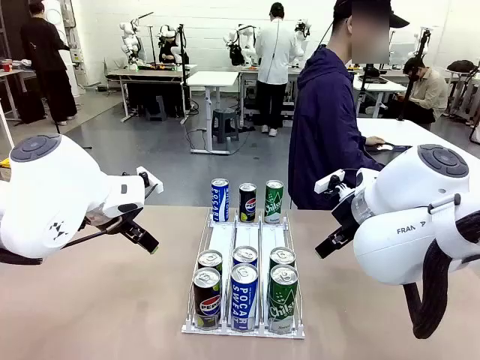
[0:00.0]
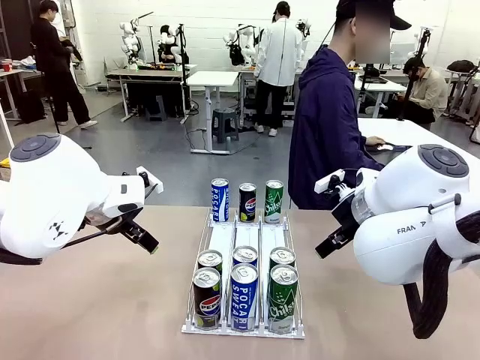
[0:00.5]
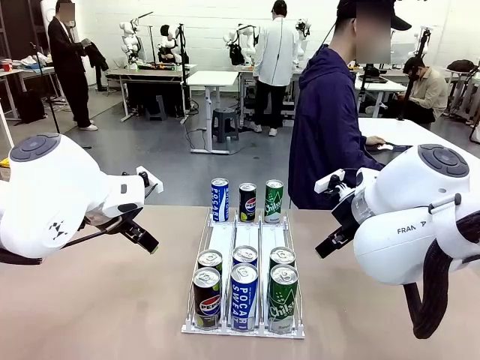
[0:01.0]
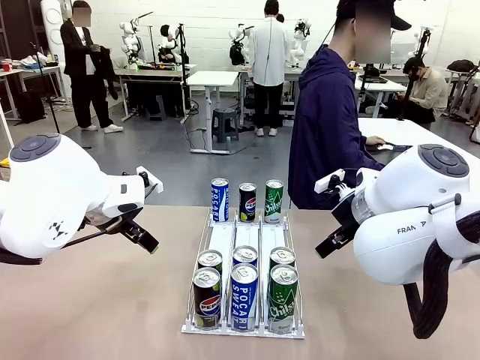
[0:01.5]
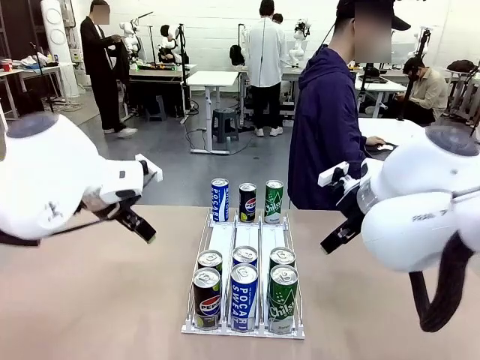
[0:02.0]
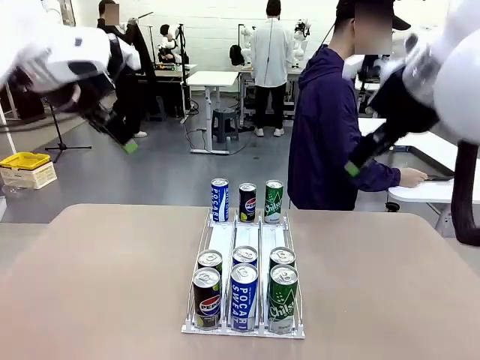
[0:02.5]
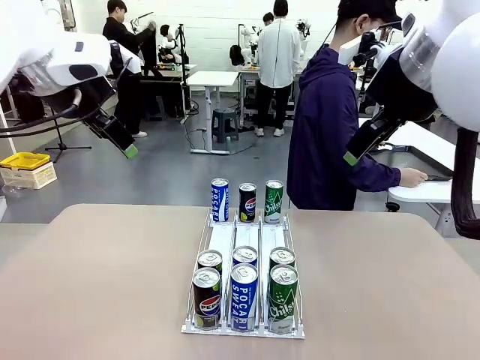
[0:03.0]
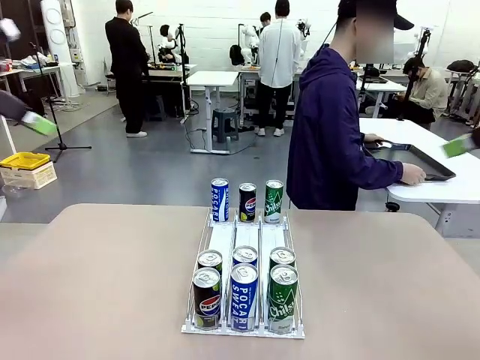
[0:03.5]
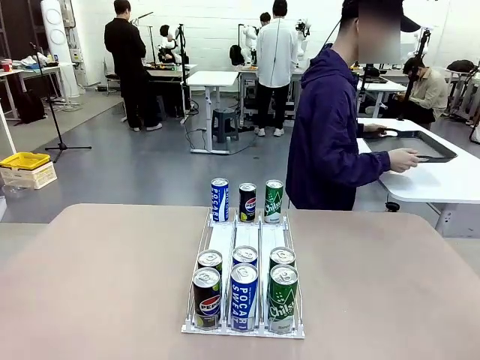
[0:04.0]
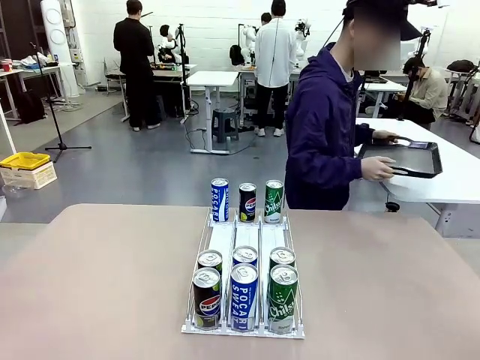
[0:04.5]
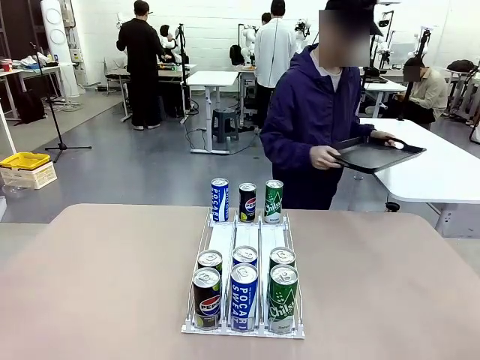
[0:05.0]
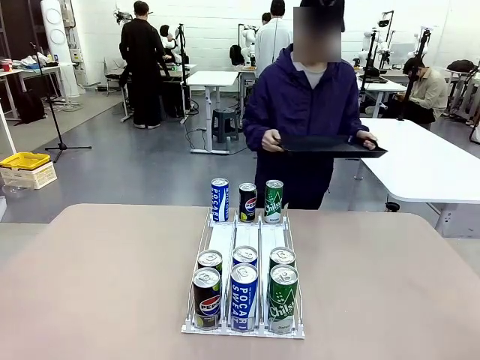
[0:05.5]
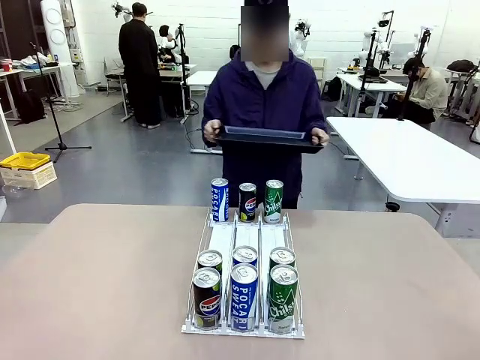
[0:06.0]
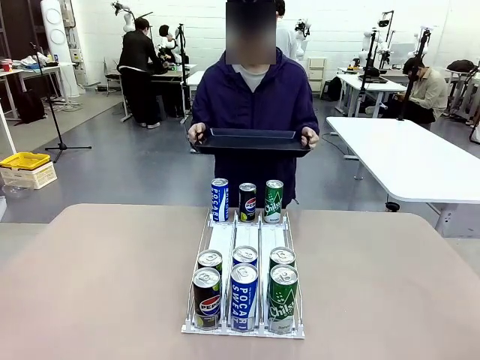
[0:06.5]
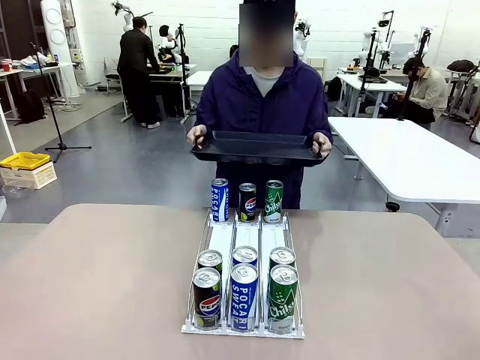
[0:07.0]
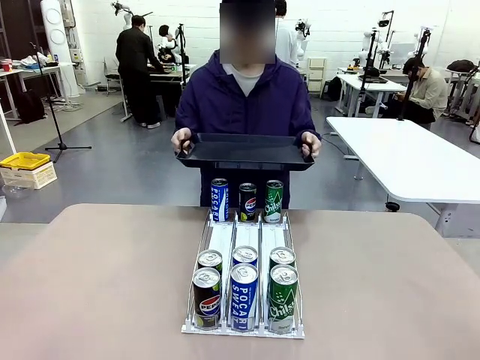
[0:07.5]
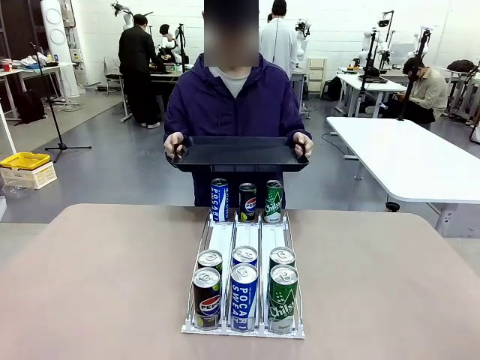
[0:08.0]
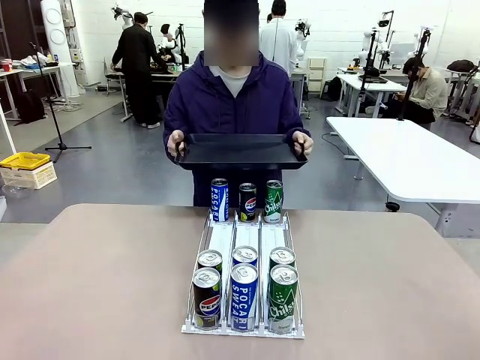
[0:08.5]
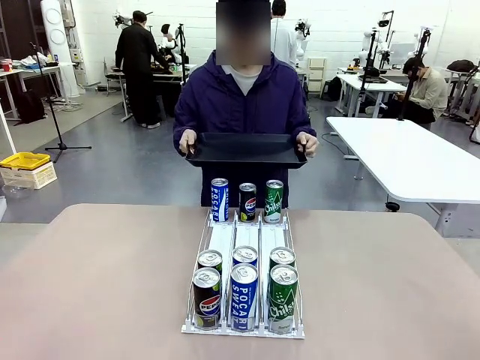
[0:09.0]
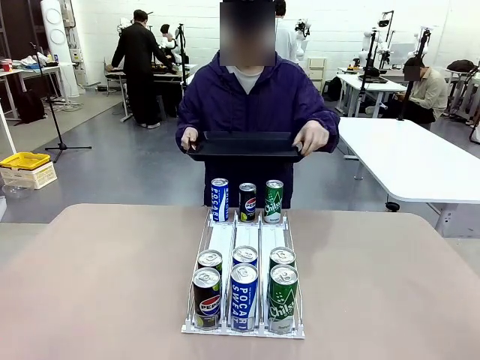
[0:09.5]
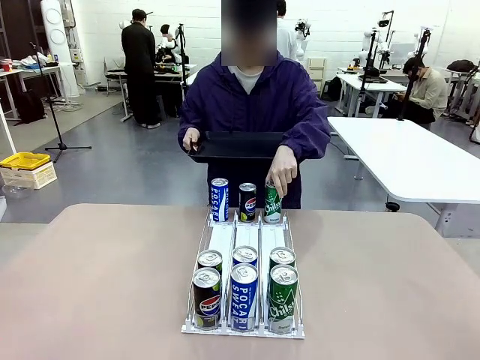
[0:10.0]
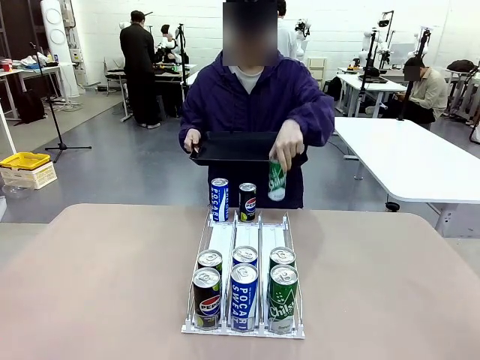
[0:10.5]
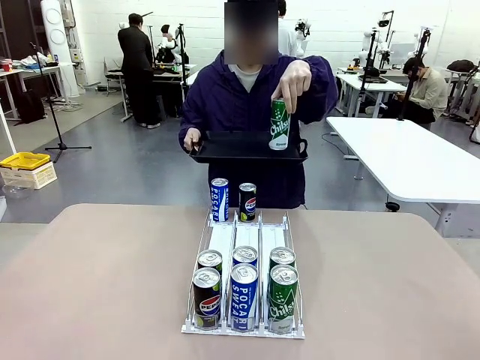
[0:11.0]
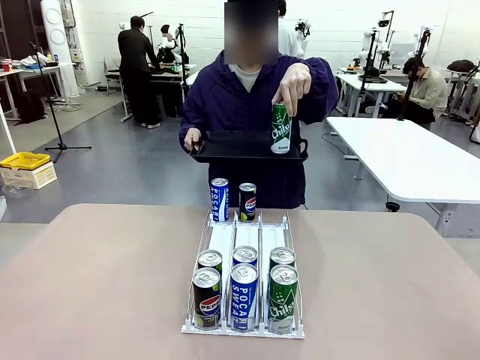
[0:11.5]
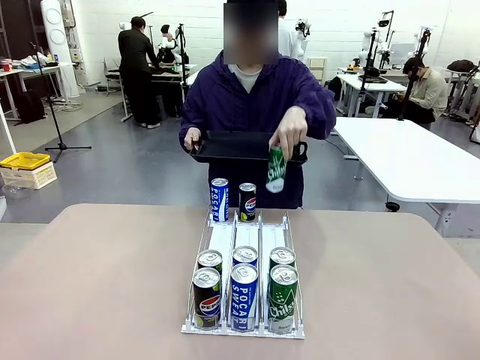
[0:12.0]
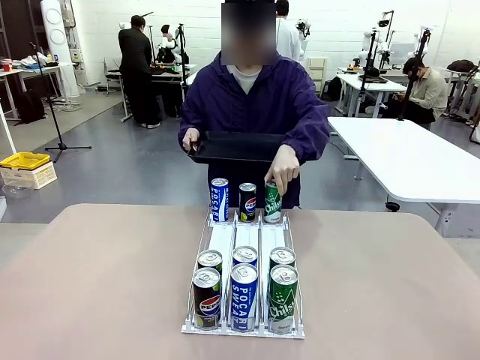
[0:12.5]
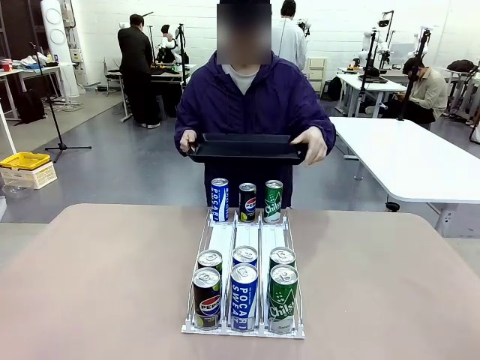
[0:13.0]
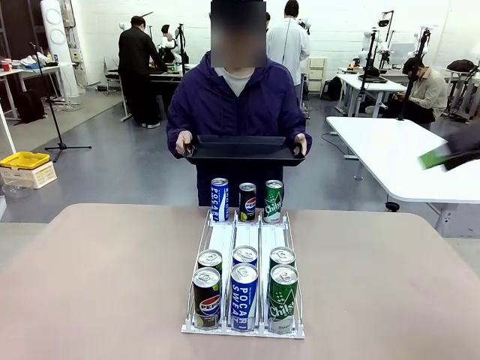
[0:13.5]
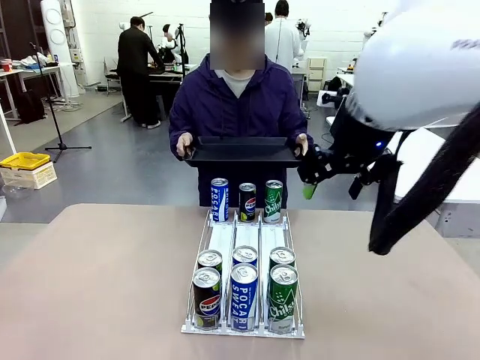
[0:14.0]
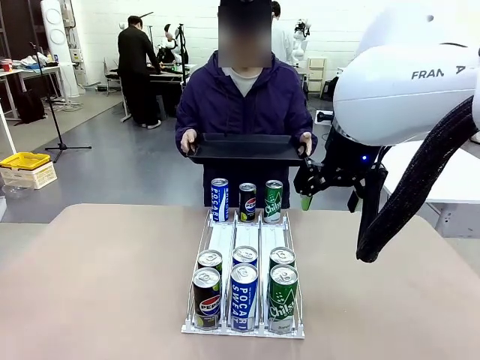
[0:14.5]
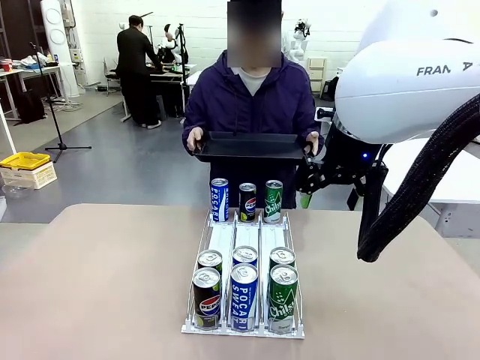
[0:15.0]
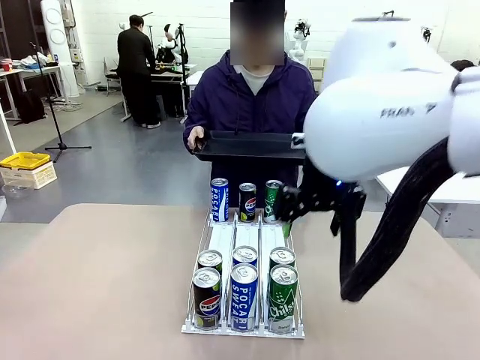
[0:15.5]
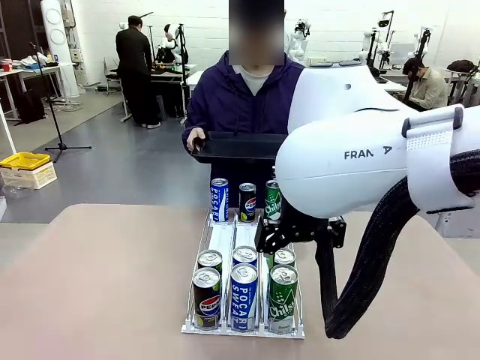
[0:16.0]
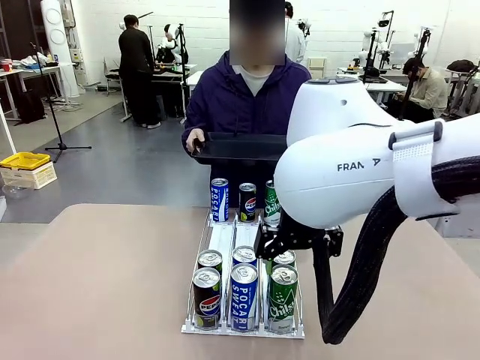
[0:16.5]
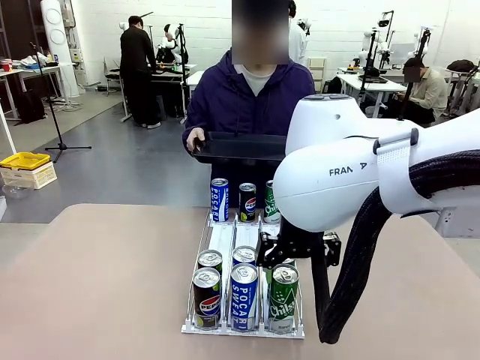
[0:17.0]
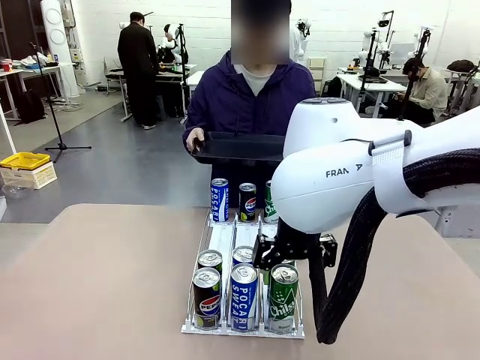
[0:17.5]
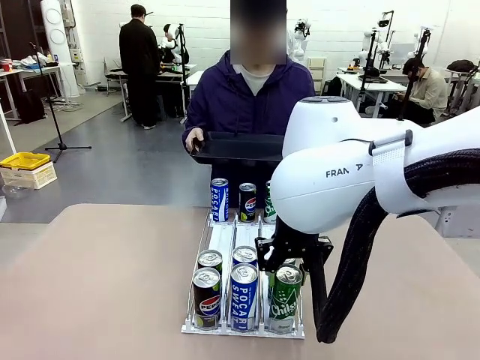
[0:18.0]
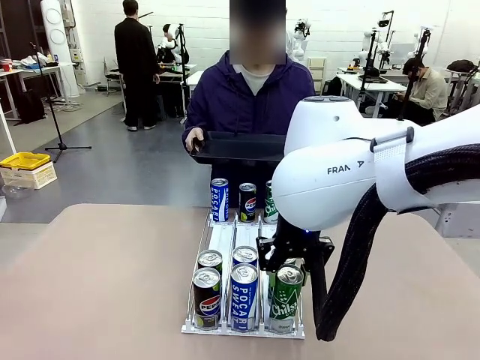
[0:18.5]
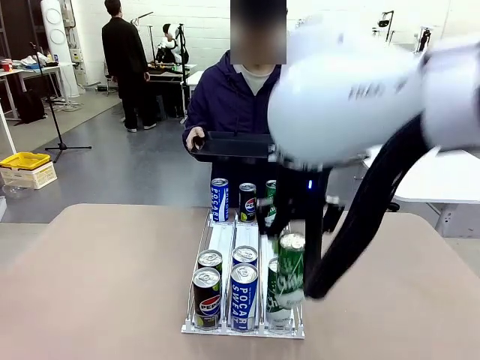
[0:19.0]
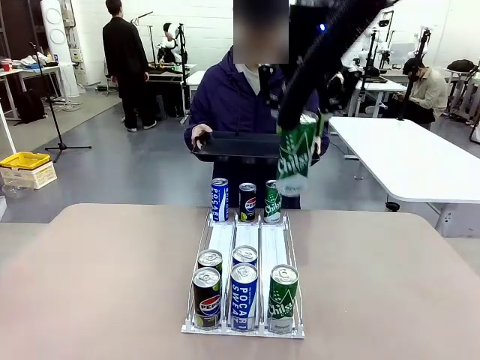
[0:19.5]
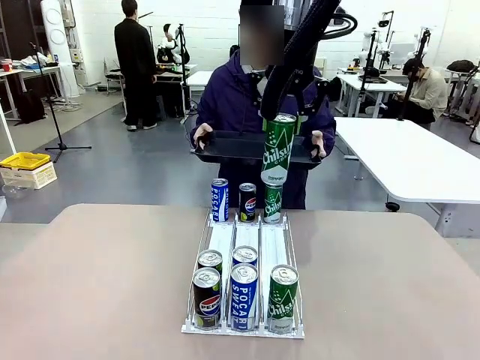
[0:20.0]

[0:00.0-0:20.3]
Task: Retrieve and hand over the desired beverage to the person.
Robot: Pick up a can of the same type that the person held from the Automatic Can Dispenser.
Person: Hold the tray and position yourself in front of the robot table. Pick up one can from the bottom area of the table and puts it back in its original place. Push the tray toward the robot.

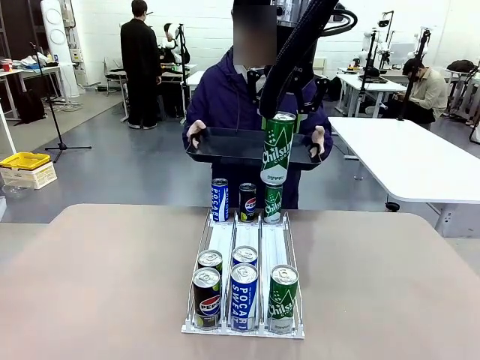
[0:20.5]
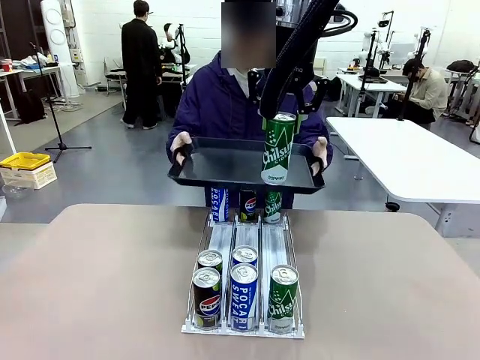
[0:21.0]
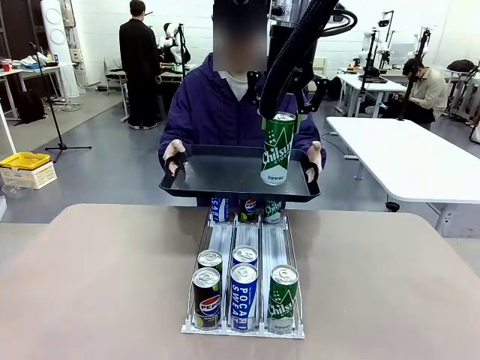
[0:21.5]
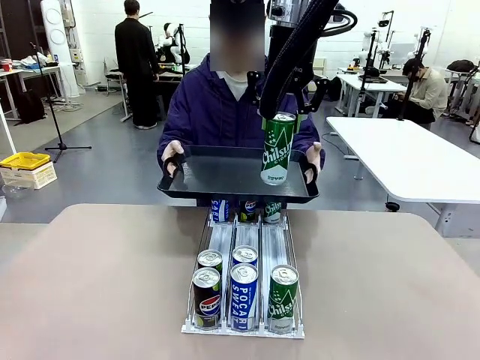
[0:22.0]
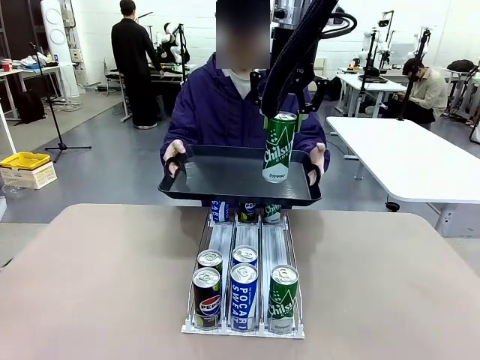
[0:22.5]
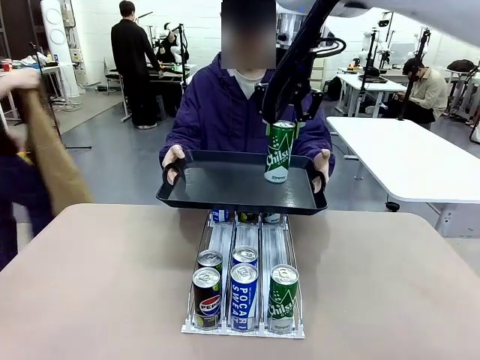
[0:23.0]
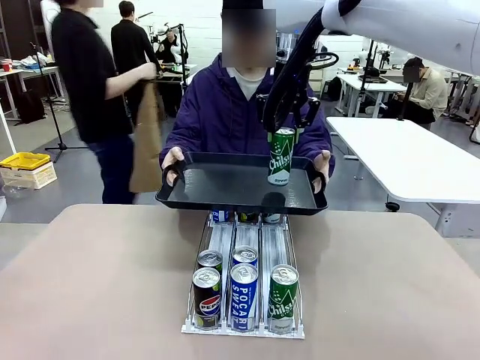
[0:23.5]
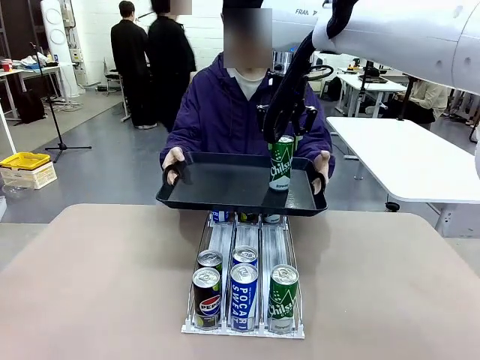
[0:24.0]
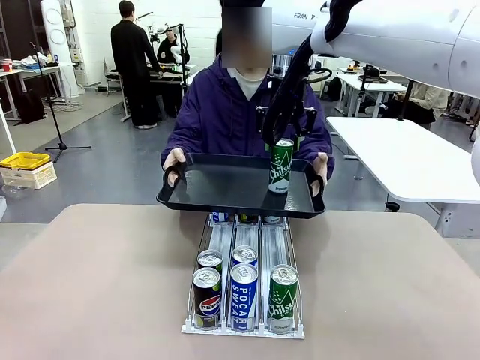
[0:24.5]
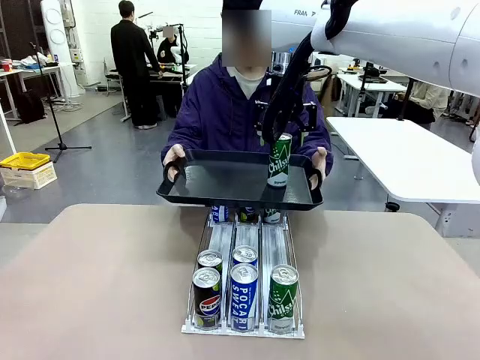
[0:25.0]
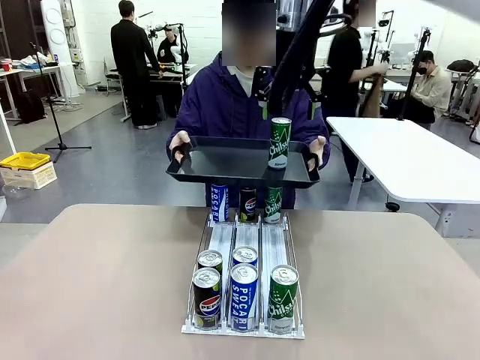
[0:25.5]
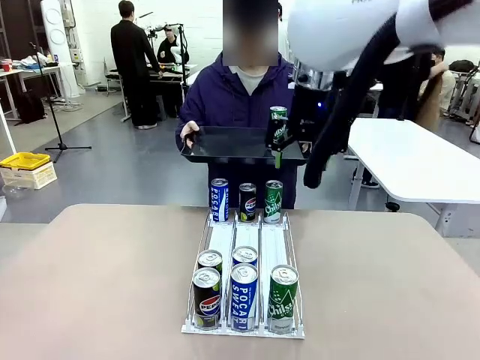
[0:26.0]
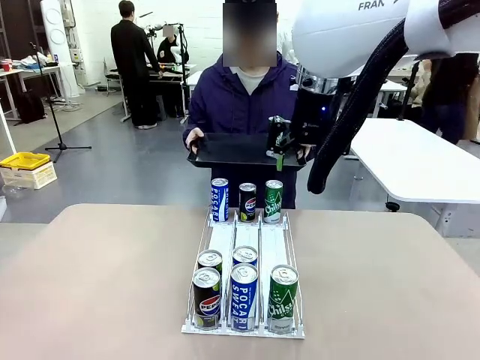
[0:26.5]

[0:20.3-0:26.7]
Robot: Place the picked can on the Handle tray extended by the person.
